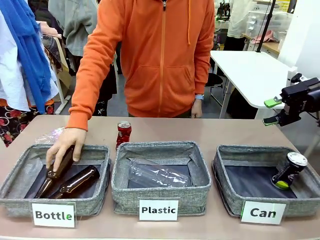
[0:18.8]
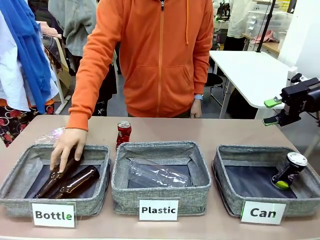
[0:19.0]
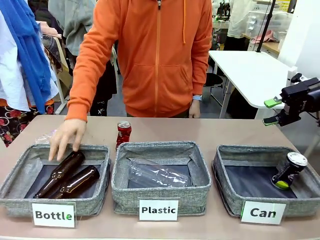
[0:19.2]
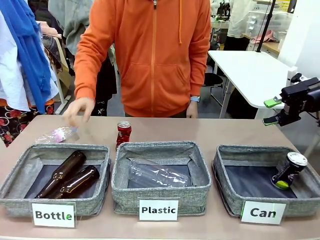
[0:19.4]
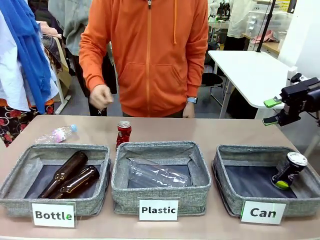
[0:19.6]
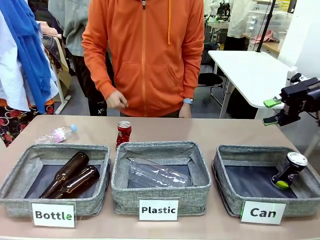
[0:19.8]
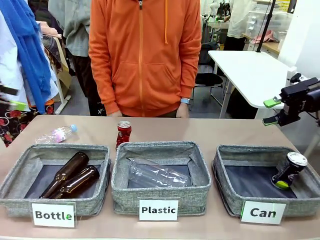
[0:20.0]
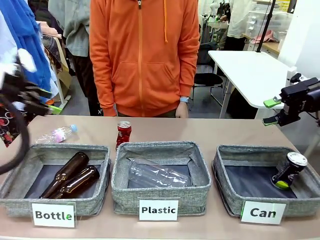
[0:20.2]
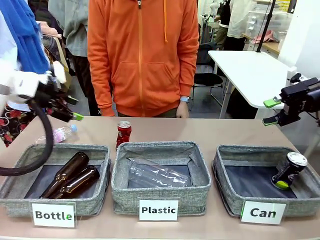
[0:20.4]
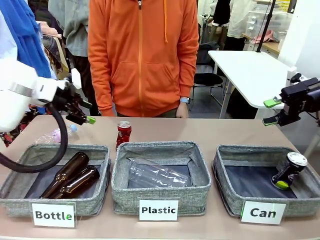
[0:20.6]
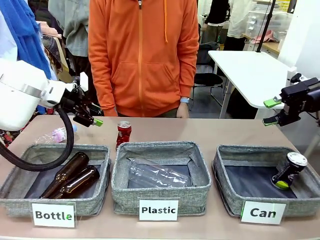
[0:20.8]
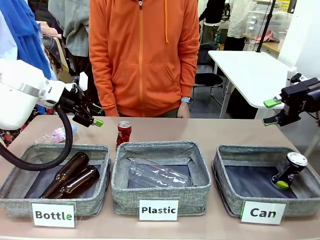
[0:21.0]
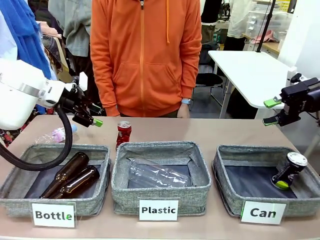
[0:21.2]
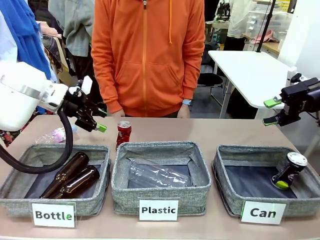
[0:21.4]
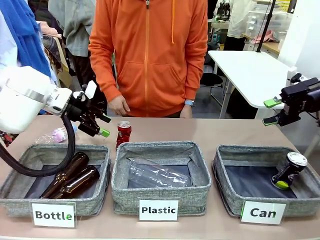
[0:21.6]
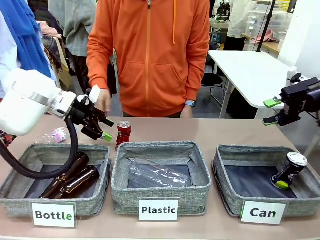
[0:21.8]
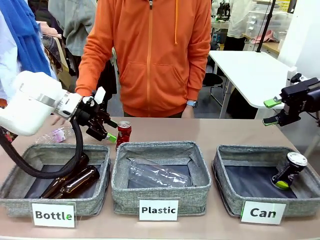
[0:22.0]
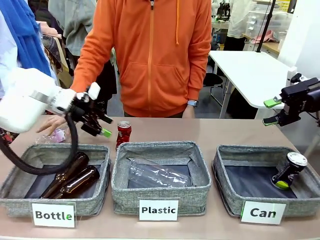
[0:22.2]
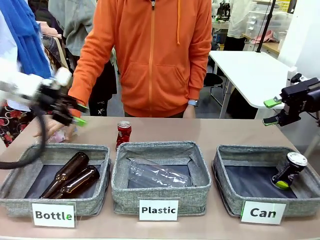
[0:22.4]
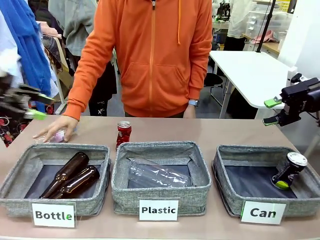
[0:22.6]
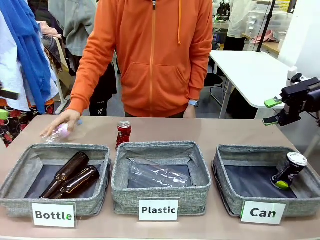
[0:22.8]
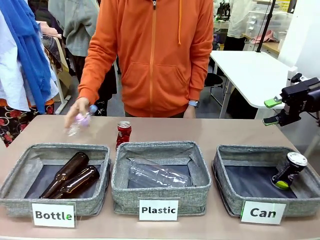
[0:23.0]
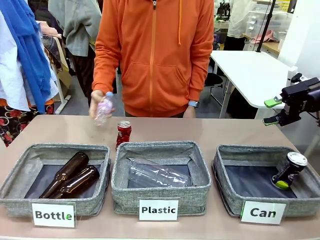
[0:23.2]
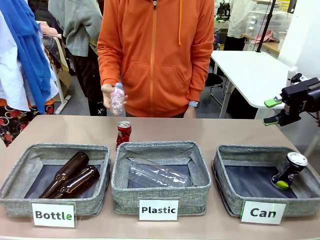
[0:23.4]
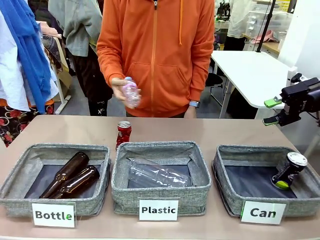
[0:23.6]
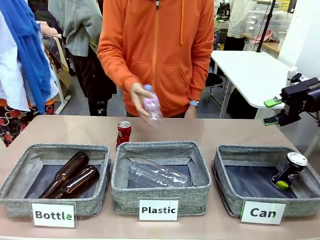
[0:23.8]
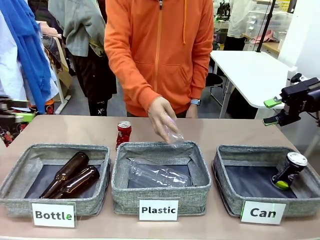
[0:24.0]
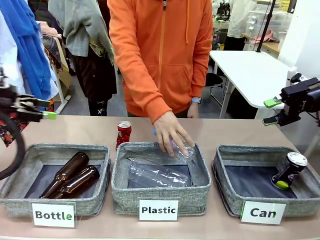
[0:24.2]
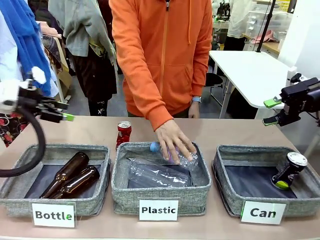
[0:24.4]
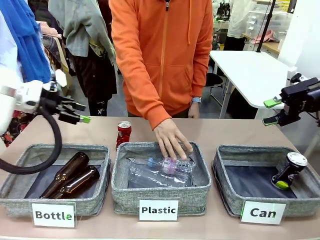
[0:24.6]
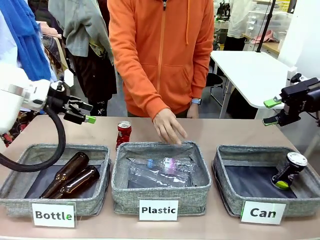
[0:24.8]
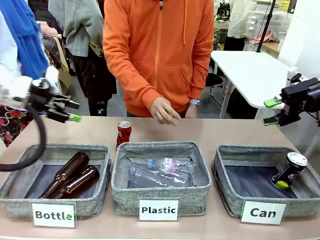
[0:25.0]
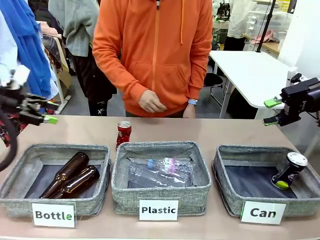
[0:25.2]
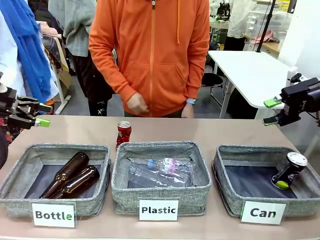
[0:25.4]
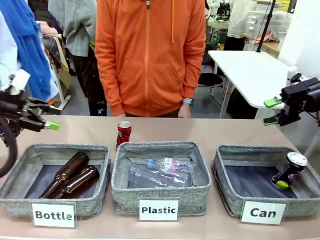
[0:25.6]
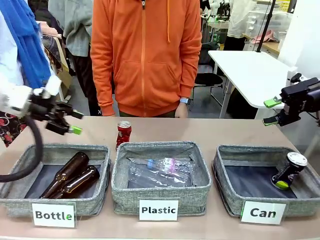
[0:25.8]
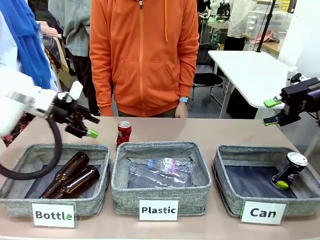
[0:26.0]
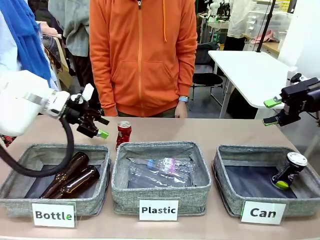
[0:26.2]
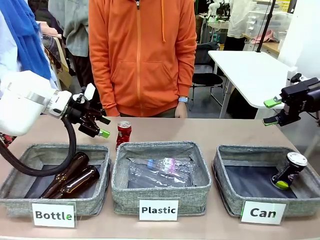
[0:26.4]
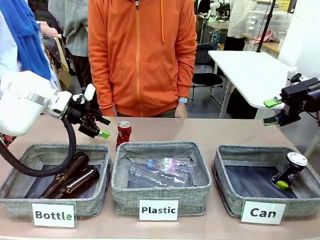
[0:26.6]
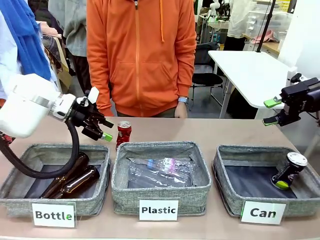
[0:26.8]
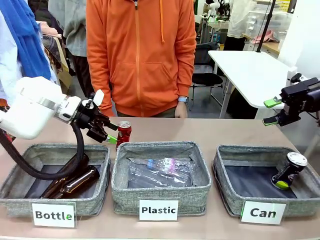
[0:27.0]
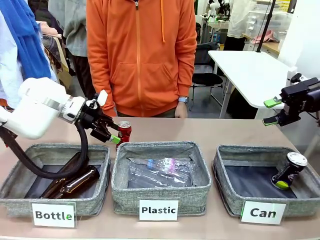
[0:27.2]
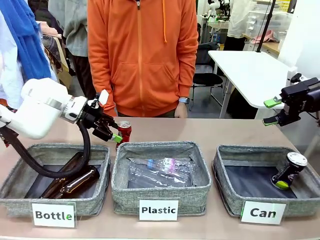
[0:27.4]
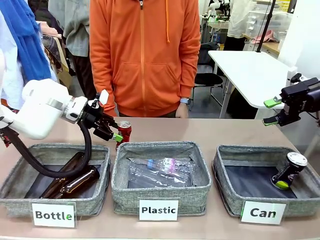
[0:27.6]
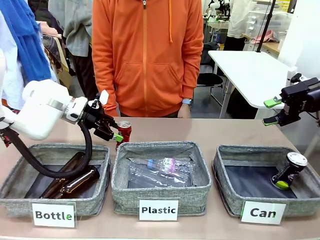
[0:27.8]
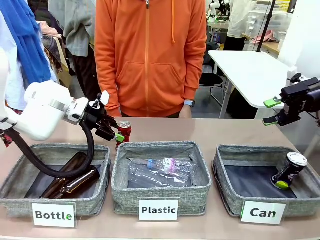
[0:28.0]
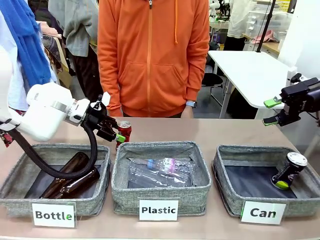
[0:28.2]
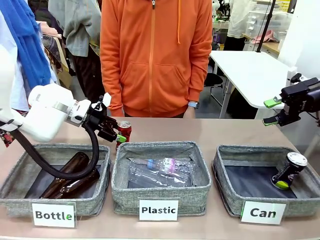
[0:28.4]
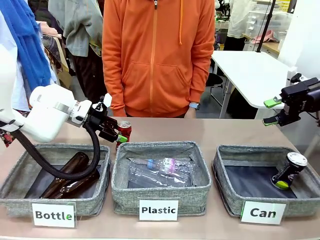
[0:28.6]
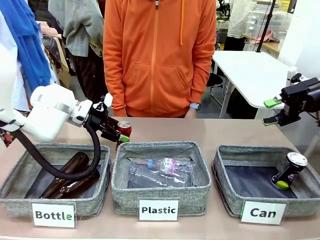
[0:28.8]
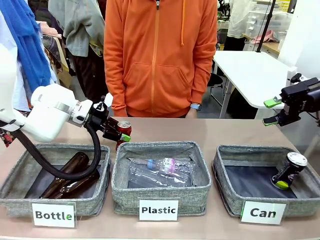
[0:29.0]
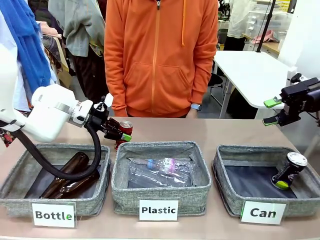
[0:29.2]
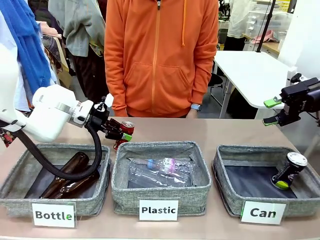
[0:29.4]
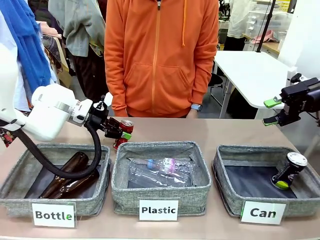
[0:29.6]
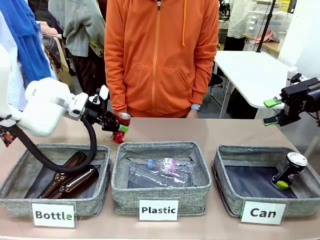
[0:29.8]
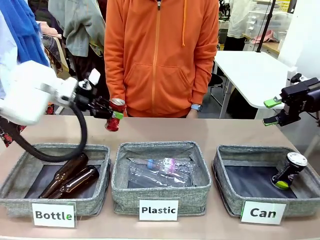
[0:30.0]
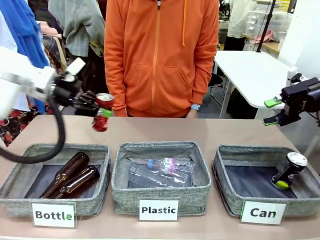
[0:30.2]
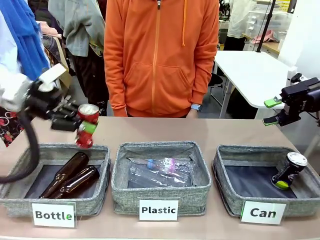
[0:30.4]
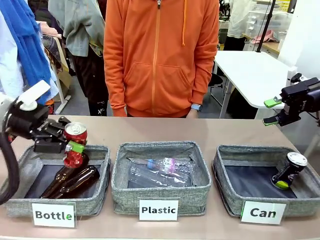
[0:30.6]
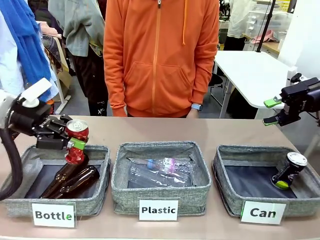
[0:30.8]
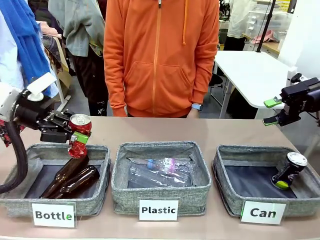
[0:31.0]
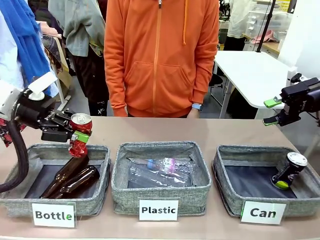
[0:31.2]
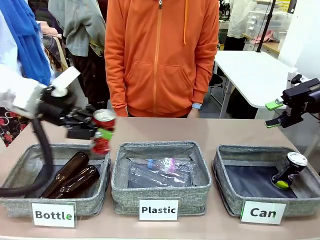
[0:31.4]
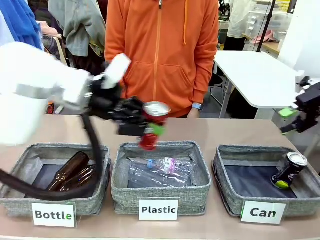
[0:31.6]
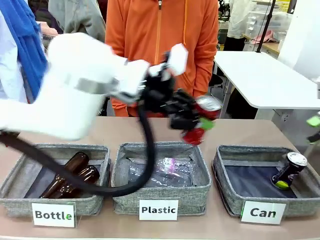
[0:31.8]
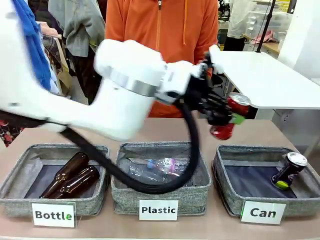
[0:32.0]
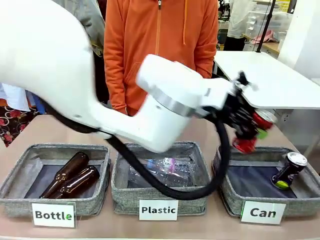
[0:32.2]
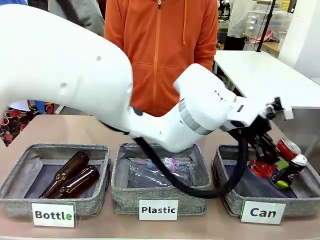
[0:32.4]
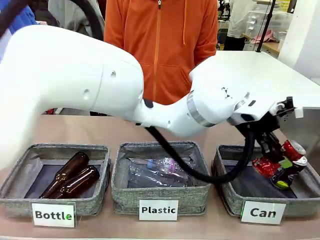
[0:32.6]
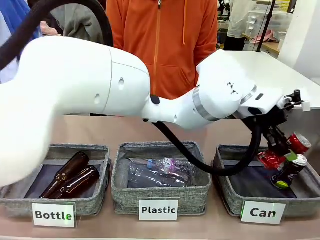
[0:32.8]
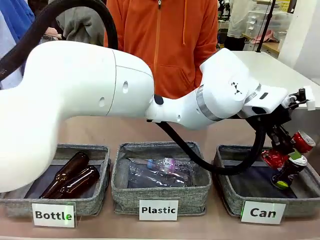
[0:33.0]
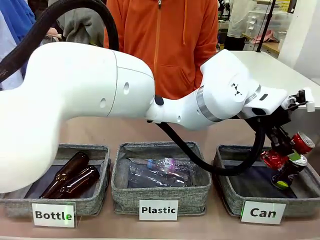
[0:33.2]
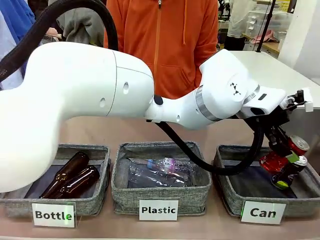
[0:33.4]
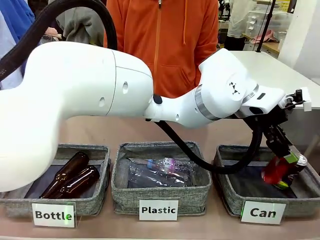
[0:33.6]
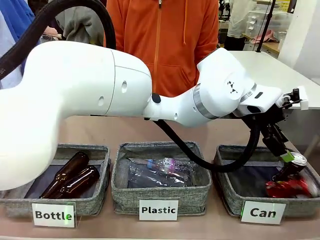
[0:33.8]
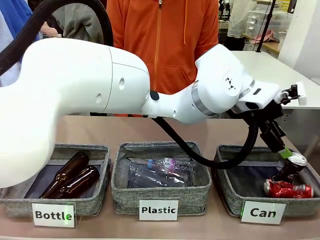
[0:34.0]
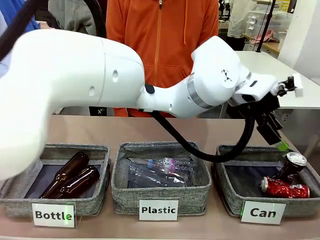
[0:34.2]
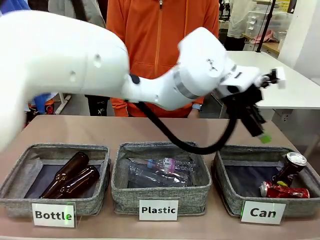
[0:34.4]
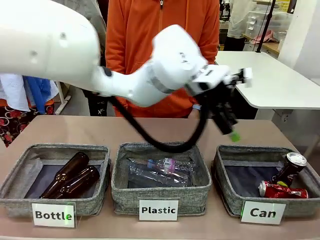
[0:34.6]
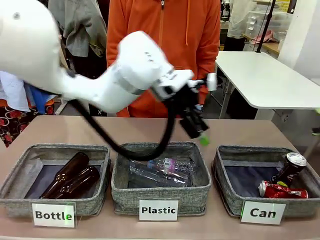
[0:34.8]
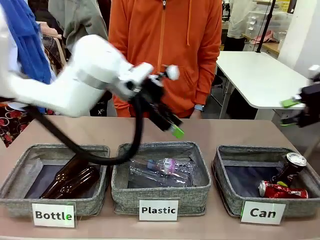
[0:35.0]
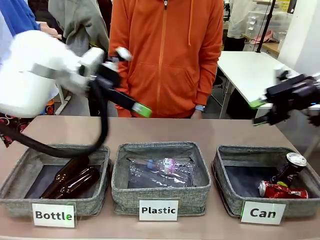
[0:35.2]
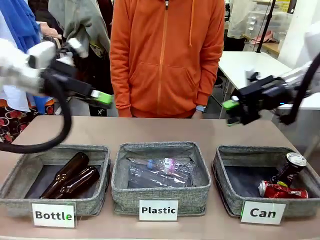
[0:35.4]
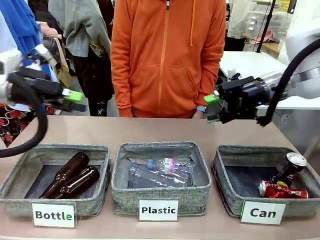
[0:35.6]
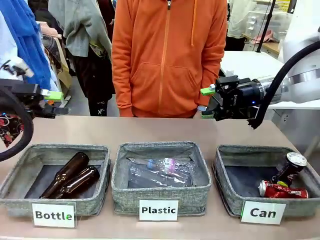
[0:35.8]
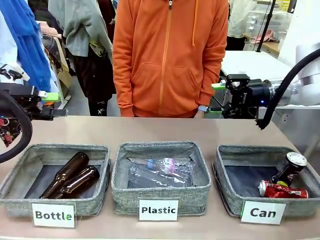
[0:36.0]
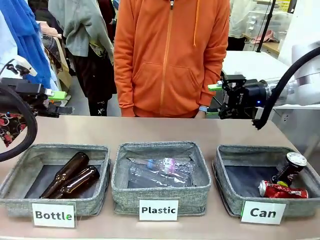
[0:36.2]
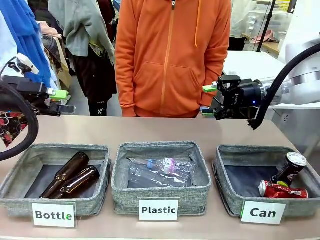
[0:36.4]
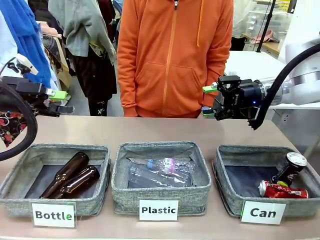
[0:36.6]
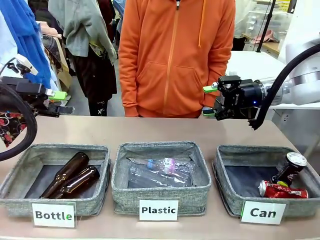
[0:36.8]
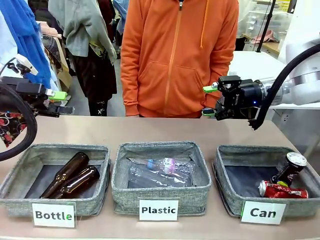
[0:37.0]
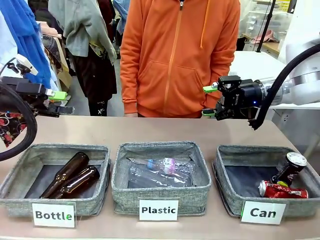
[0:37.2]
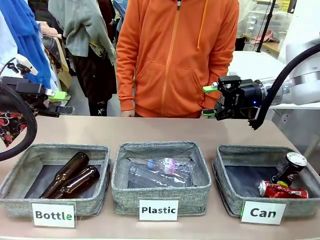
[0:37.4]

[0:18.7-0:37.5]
Task: Sort the can waste into the basket.
Robot: Pick up the can waste from the table and place it in the right Fabric basket.
Person: The human picks up one piece of trash that is not a can and places the trash into the appropriate organizing basket.
